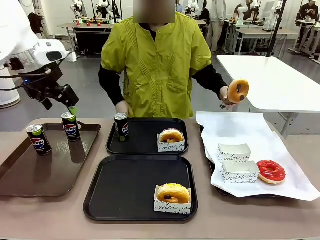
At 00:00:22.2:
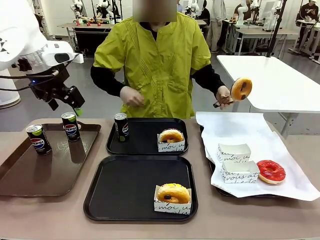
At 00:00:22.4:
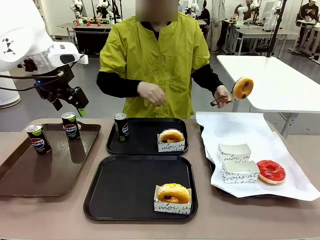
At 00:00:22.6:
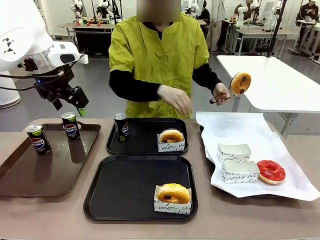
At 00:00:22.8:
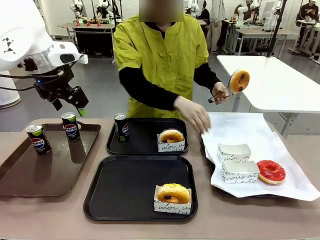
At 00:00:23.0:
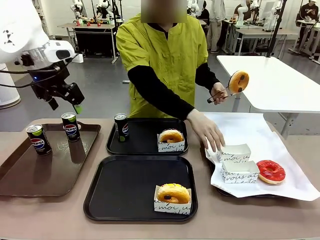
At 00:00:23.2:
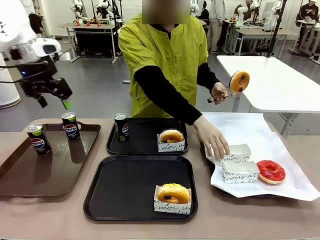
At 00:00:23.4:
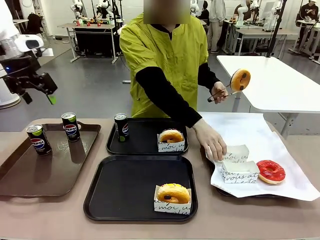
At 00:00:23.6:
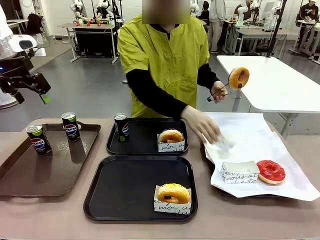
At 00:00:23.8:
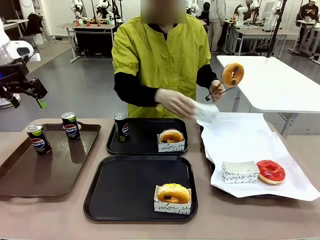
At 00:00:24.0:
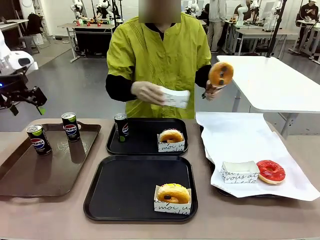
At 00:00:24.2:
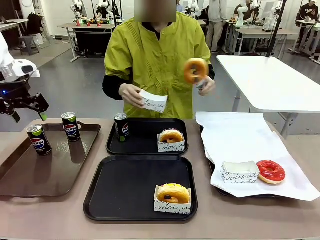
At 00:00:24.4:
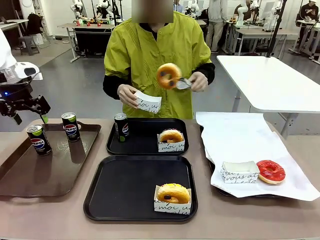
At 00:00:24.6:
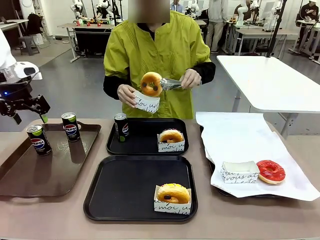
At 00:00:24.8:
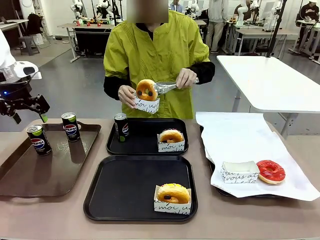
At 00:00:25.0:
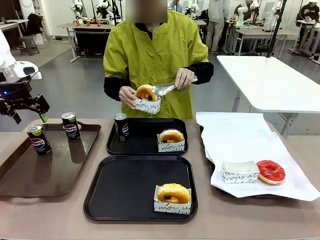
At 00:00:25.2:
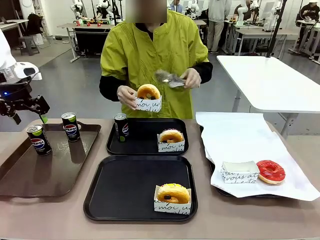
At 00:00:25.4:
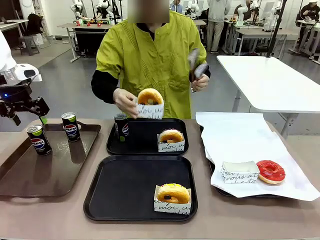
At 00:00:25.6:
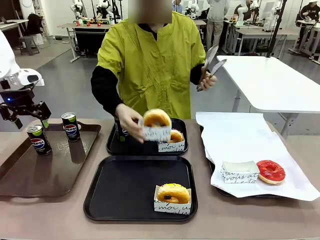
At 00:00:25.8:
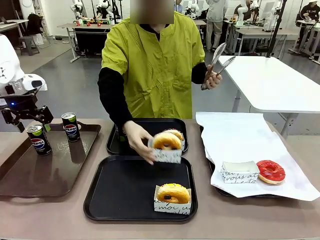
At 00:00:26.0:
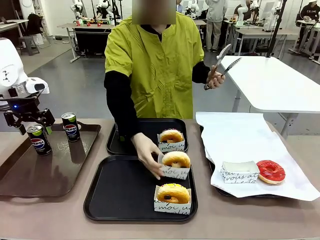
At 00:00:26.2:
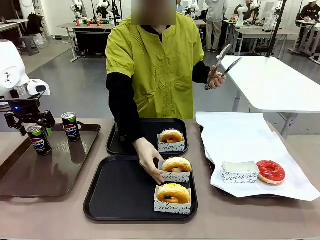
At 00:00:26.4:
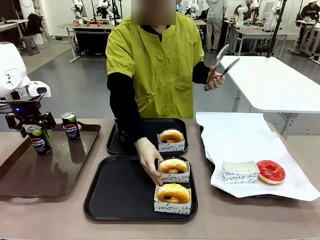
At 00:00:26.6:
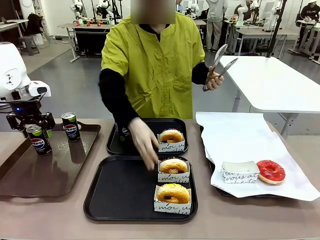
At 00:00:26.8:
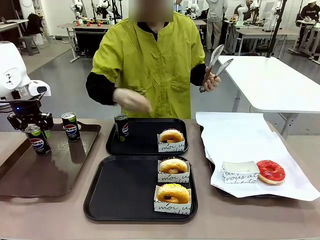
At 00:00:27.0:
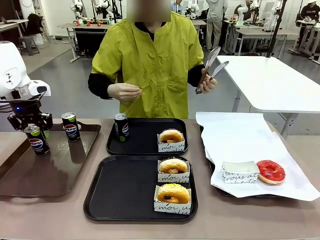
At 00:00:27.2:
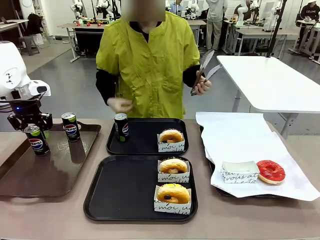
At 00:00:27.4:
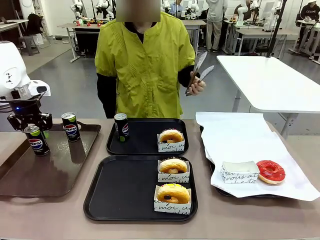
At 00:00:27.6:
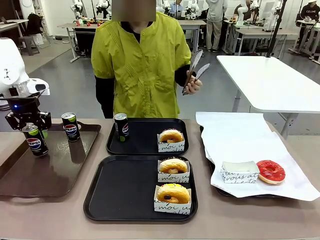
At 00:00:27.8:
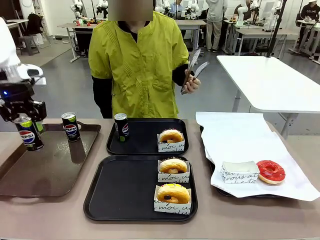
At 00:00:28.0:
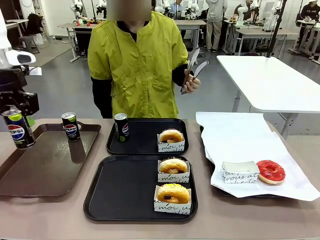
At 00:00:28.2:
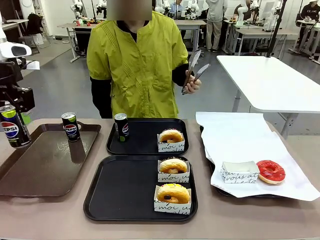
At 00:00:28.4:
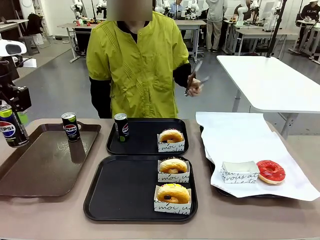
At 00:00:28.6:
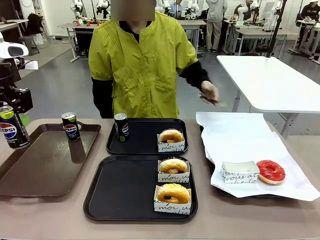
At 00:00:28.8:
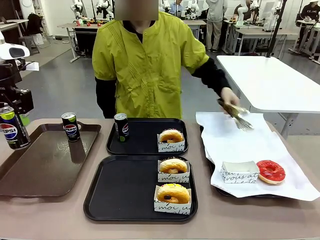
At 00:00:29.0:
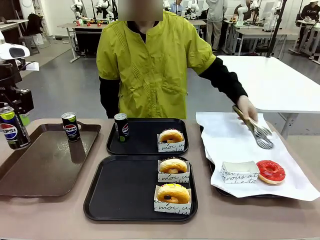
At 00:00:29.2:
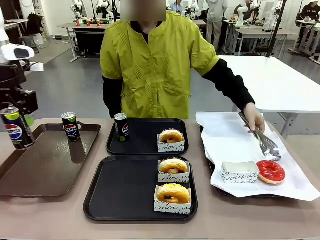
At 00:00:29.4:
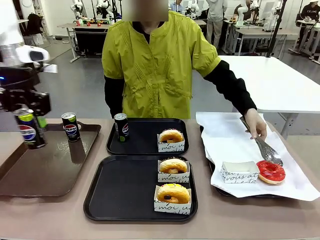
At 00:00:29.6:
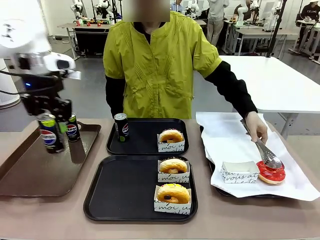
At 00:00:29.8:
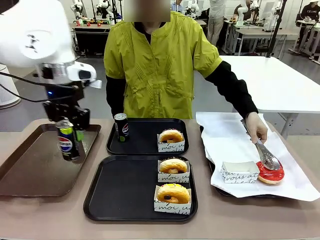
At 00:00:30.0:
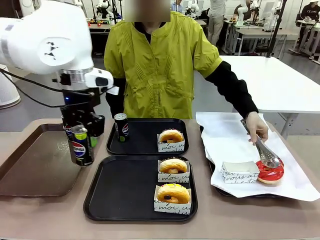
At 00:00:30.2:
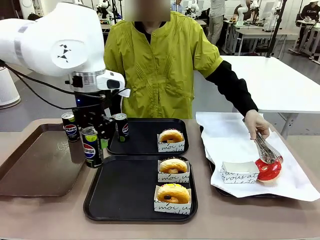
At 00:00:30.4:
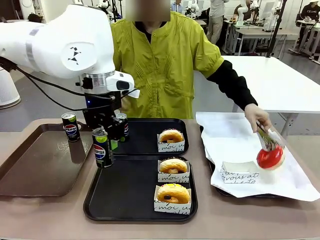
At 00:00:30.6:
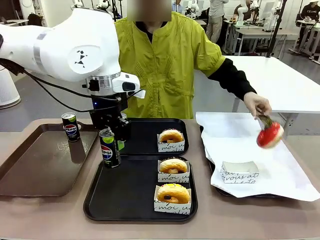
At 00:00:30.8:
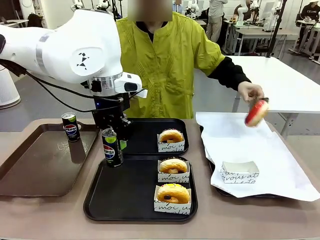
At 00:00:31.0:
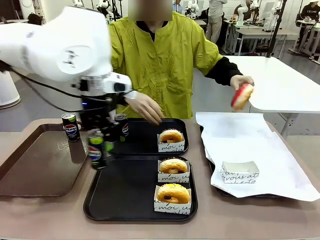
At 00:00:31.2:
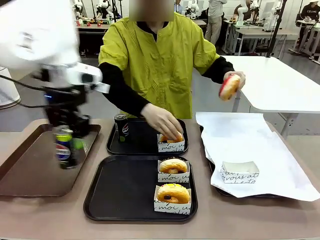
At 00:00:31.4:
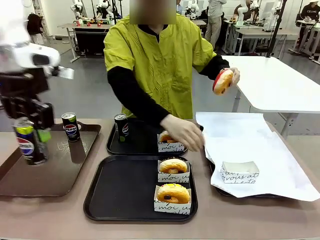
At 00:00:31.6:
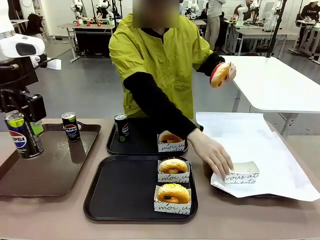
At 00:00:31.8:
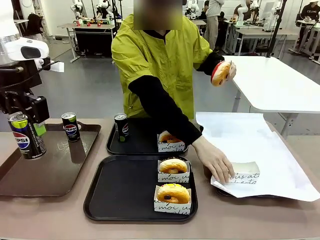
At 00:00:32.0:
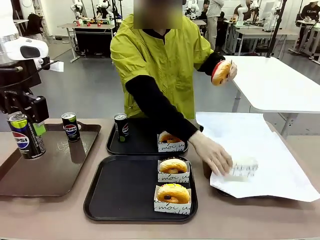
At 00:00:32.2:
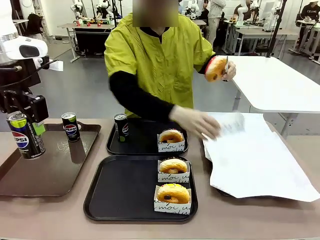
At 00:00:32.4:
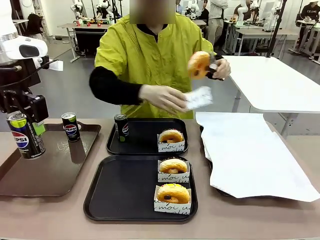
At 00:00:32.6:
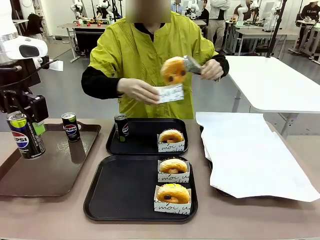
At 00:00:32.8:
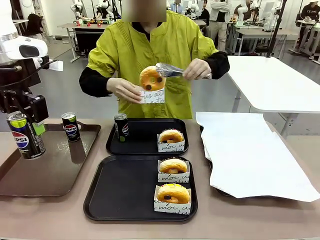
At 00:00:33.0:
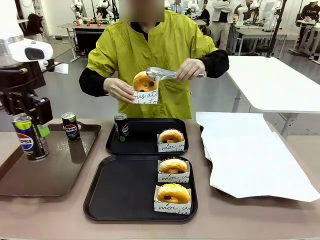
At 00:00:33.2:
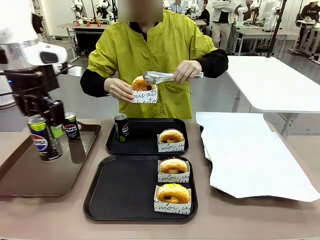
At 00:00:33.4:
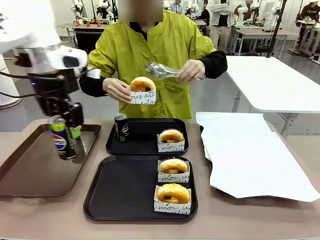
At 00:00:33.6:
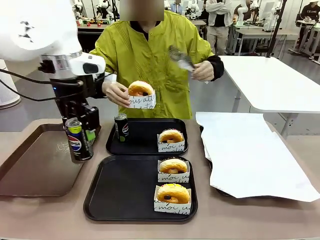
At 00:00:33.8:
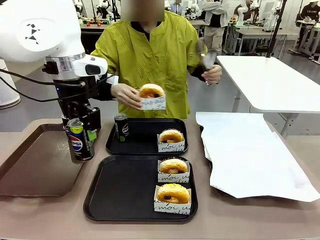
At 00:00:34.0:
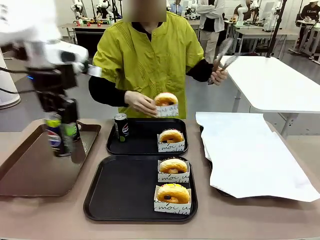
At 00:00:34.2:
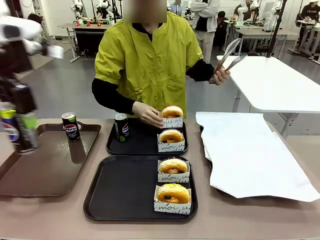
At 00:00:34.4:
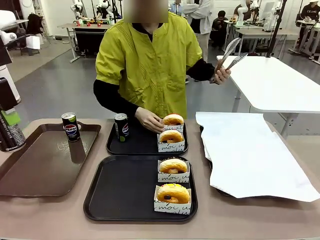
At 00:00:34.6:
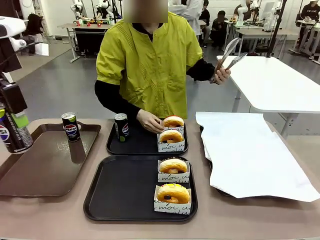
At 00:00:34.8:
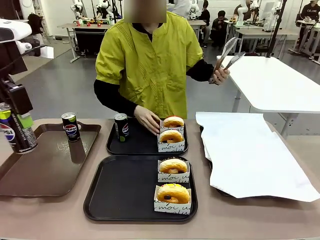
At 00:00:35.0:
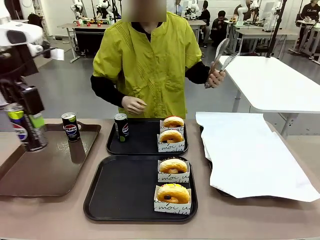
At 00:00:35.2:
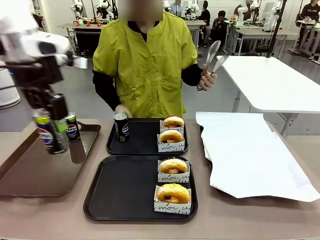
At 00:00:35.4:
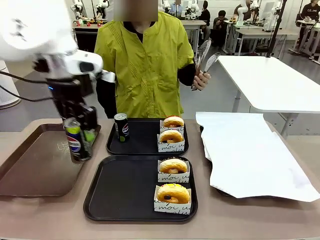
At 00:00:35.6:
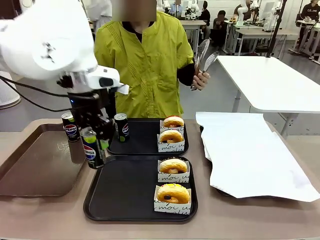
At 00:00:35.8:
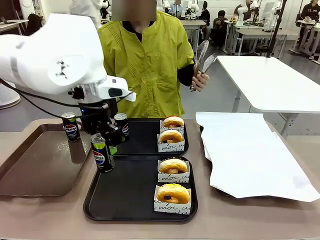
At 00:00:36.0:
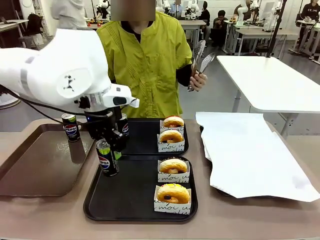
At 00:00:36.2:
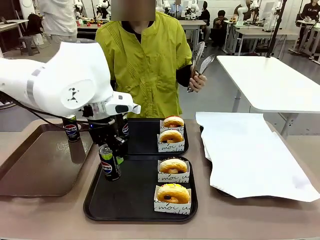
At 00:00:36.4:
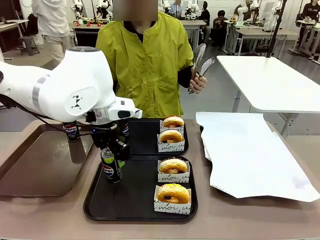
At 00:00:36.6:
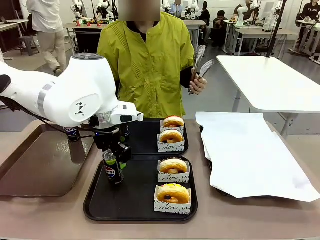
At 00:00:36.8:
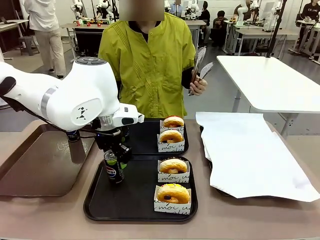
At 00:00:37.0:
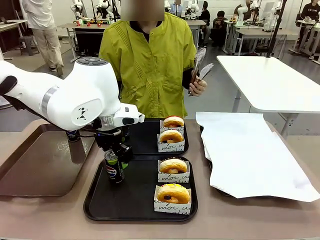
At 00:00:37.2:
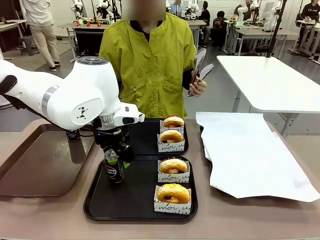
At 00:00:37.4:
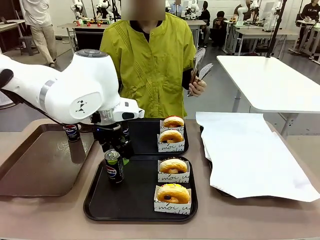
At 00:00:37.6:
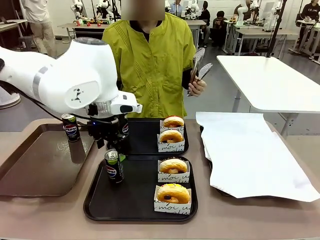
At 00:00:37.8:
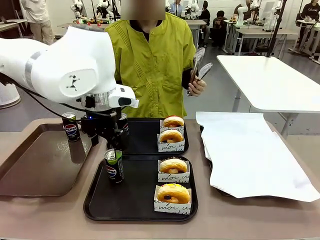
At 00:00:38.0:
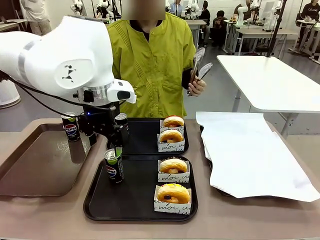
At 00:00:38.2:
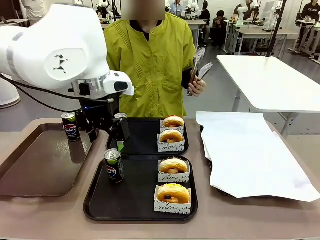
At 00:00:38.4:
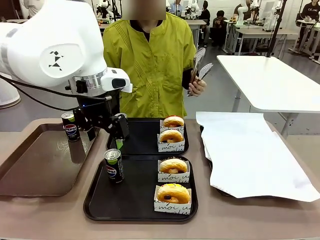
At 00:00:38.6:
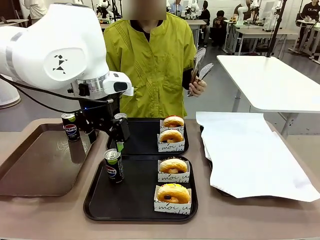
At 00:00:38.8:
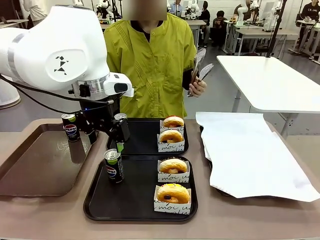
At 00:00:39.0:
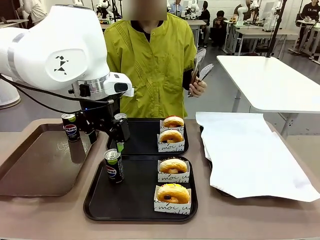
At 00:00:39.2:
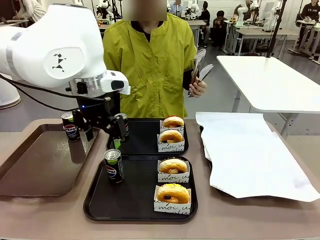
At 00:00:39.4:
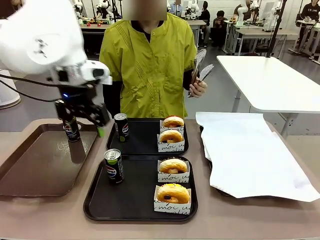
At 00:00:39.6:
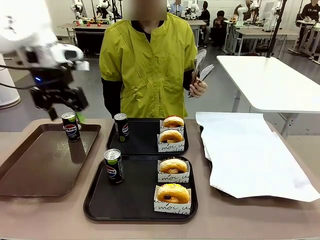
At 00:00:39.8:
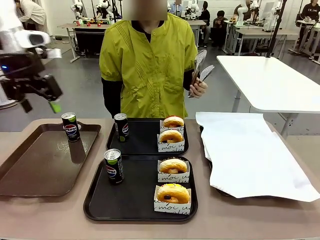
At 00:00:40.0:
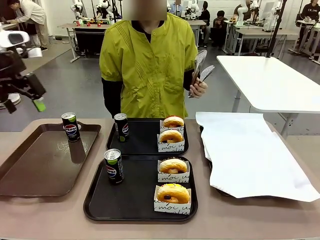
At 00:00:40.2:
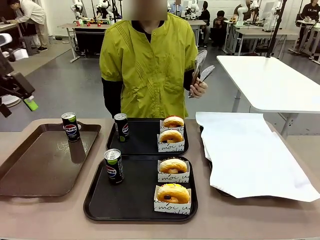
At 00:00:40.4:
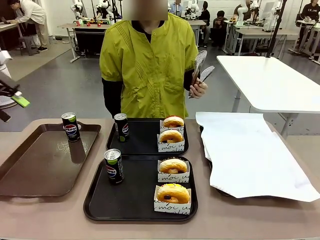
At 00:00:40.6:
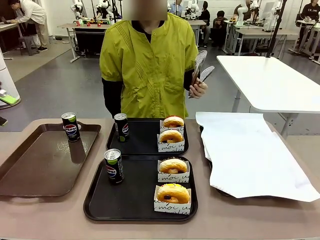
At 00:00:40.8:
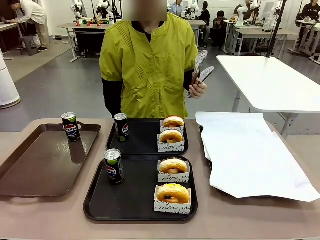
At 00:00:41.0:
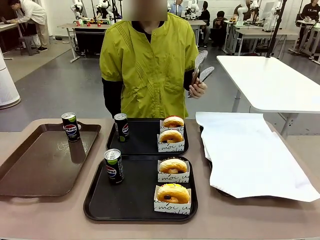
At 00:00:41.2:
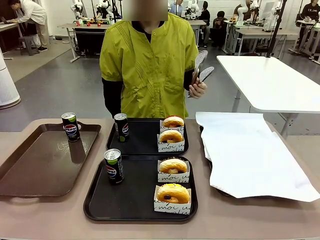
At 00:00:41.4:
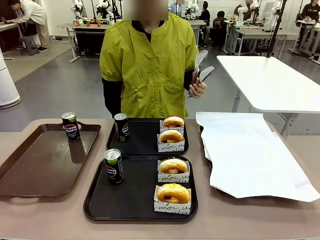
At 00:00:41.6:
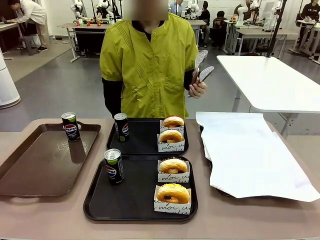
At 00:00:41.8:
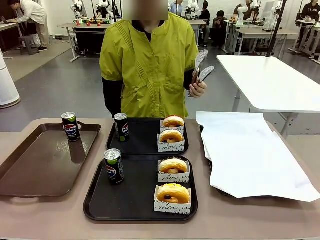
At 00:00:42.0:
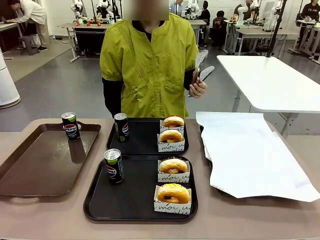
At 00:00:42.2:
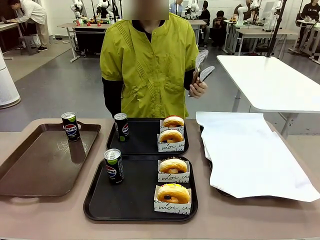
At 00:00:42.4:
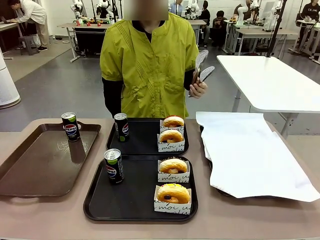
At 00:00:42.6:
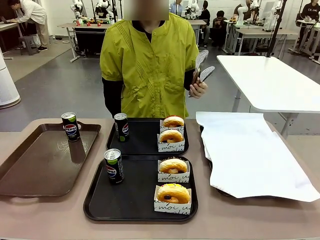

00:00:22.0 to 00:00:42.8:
Task: Set up donuts and drinks on trays.
Robot: Pick up one Pepsi coke from the Handle tray and place it on the Flat Tray without a Pepsi coke.
